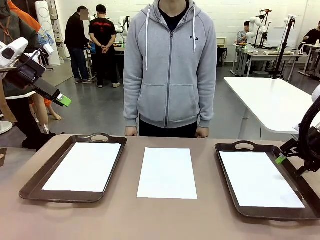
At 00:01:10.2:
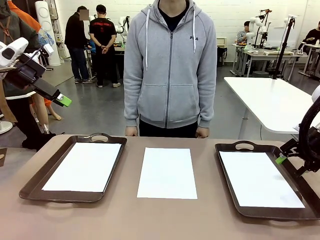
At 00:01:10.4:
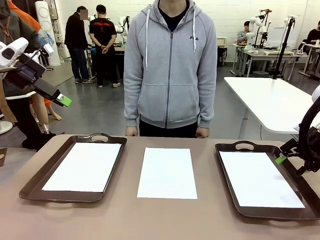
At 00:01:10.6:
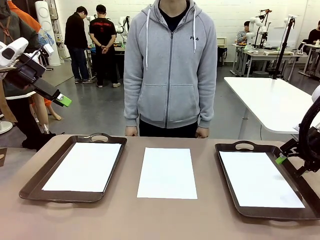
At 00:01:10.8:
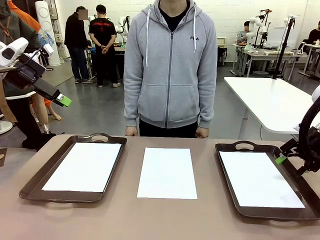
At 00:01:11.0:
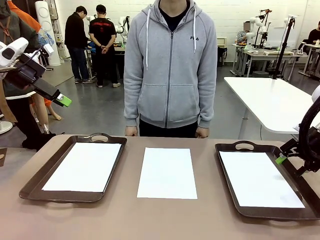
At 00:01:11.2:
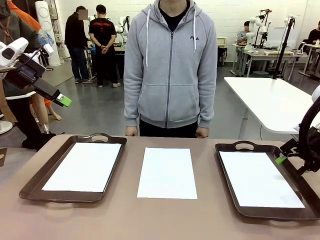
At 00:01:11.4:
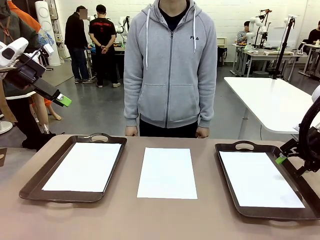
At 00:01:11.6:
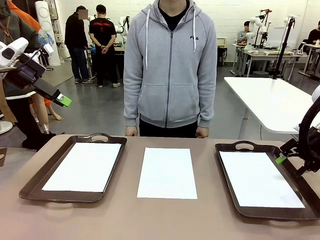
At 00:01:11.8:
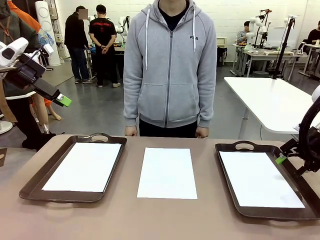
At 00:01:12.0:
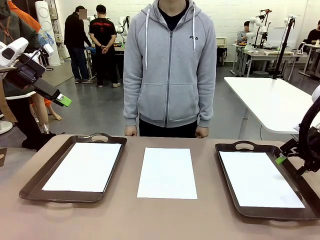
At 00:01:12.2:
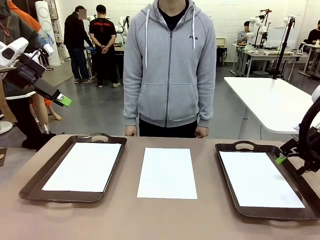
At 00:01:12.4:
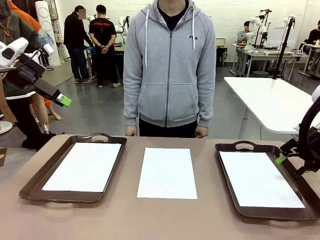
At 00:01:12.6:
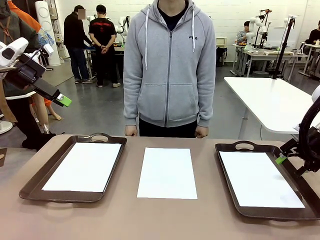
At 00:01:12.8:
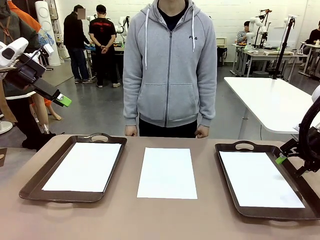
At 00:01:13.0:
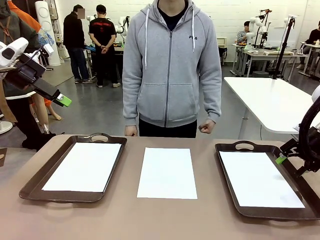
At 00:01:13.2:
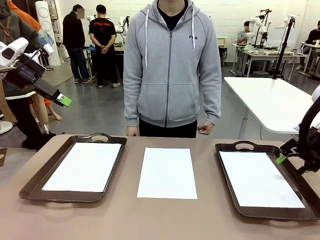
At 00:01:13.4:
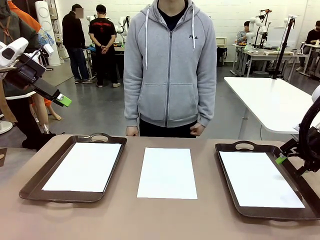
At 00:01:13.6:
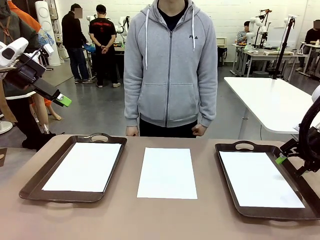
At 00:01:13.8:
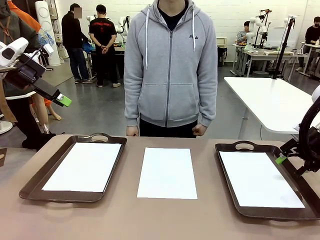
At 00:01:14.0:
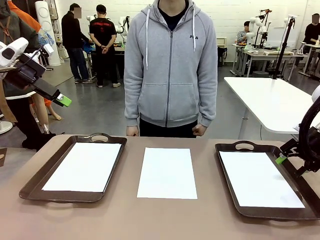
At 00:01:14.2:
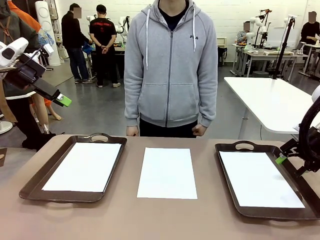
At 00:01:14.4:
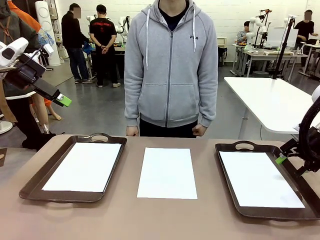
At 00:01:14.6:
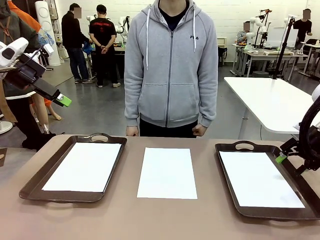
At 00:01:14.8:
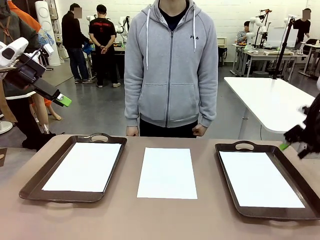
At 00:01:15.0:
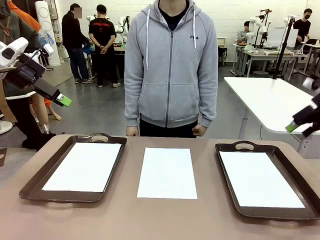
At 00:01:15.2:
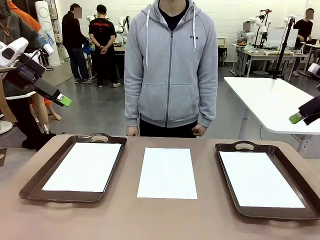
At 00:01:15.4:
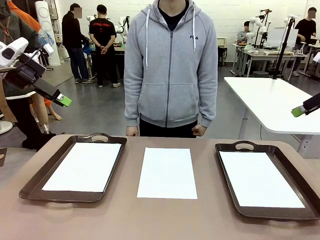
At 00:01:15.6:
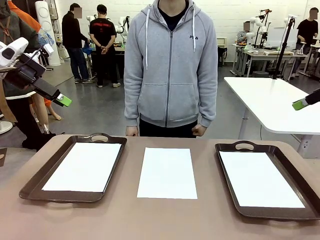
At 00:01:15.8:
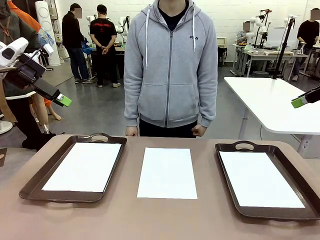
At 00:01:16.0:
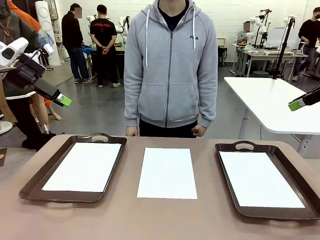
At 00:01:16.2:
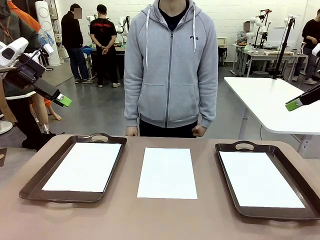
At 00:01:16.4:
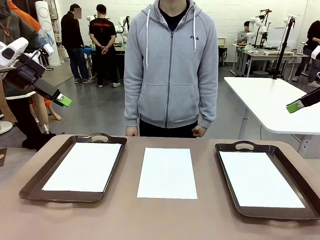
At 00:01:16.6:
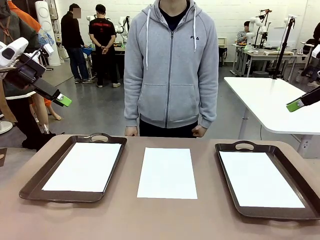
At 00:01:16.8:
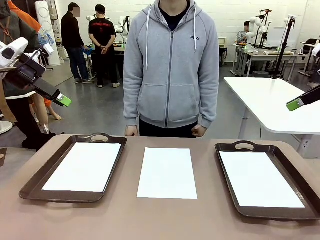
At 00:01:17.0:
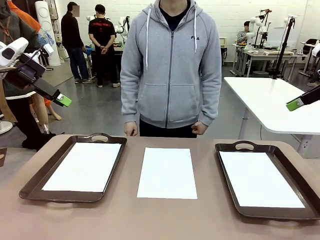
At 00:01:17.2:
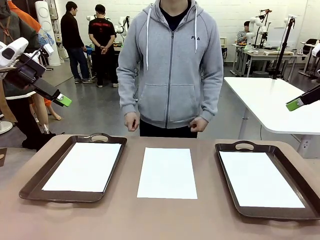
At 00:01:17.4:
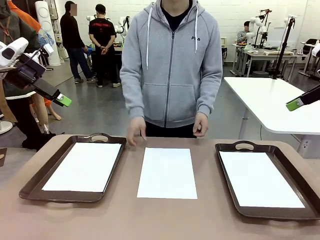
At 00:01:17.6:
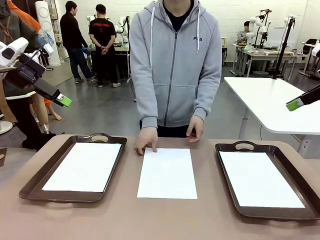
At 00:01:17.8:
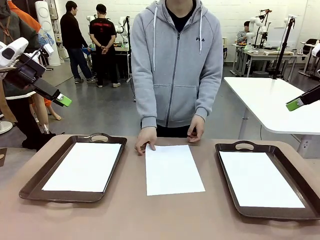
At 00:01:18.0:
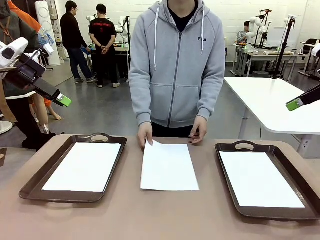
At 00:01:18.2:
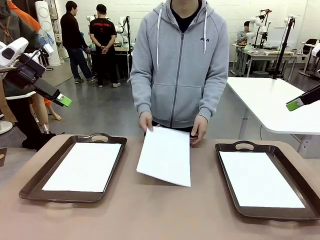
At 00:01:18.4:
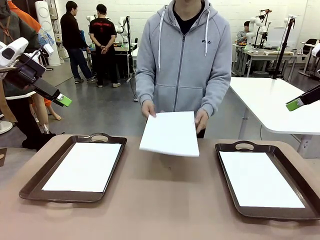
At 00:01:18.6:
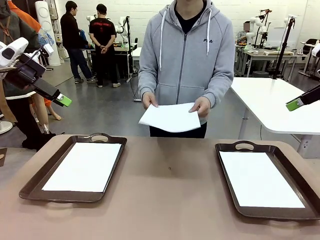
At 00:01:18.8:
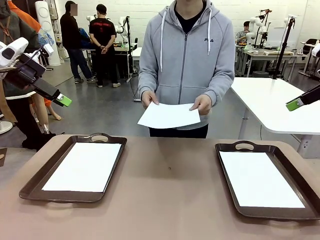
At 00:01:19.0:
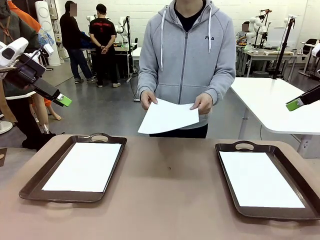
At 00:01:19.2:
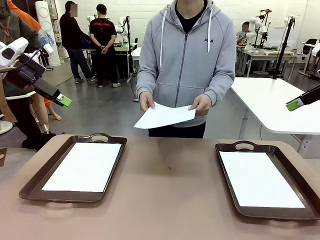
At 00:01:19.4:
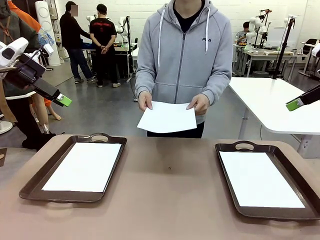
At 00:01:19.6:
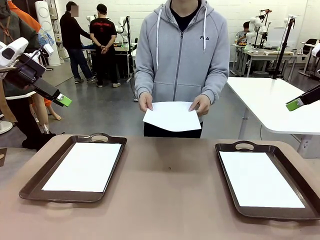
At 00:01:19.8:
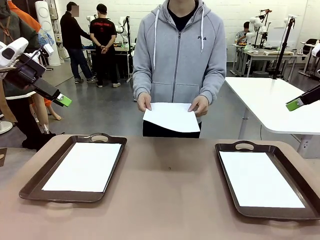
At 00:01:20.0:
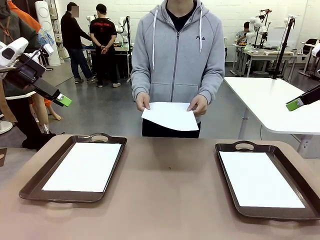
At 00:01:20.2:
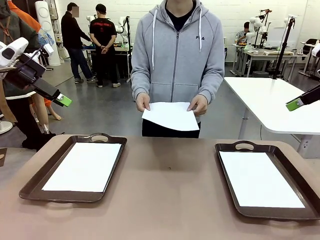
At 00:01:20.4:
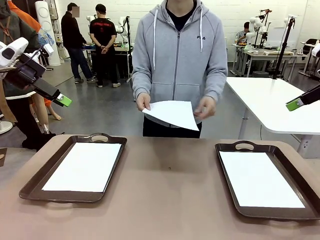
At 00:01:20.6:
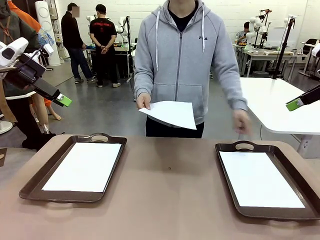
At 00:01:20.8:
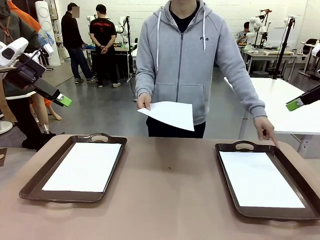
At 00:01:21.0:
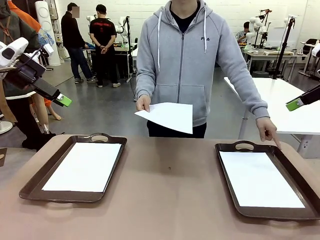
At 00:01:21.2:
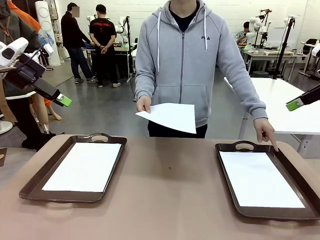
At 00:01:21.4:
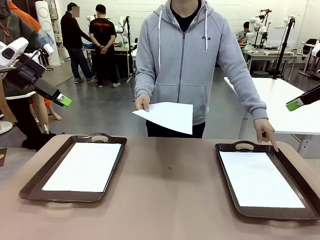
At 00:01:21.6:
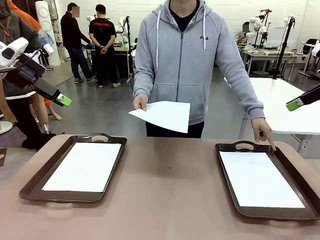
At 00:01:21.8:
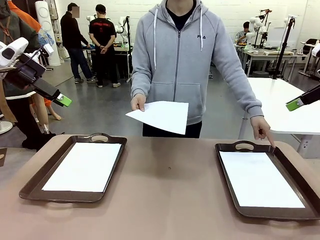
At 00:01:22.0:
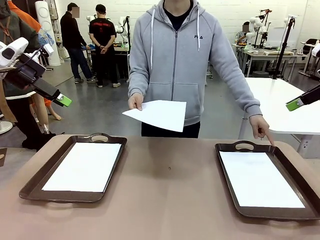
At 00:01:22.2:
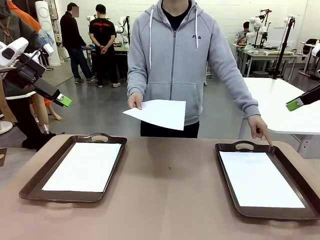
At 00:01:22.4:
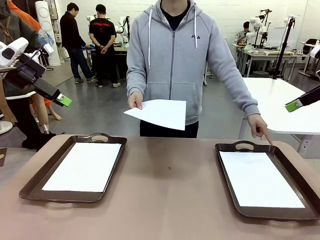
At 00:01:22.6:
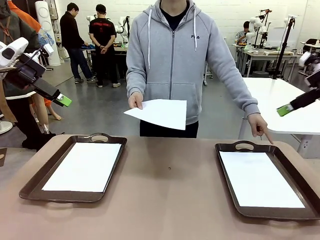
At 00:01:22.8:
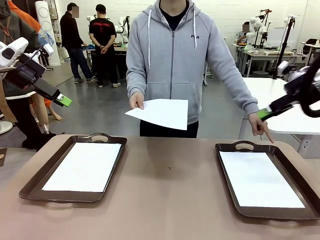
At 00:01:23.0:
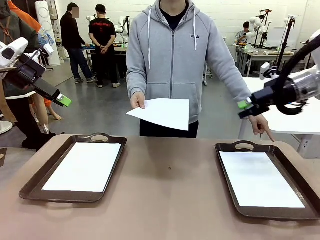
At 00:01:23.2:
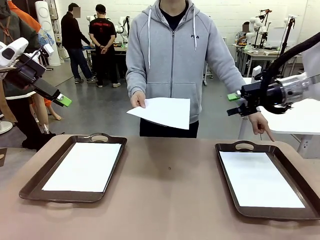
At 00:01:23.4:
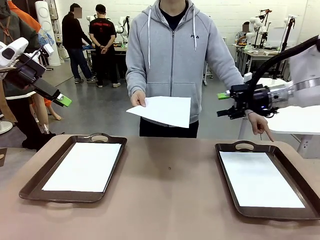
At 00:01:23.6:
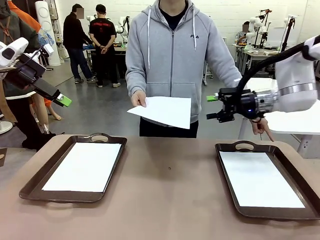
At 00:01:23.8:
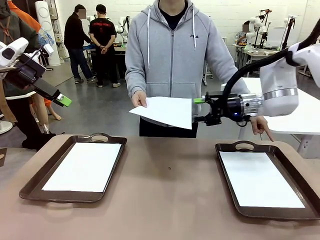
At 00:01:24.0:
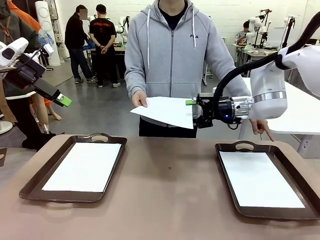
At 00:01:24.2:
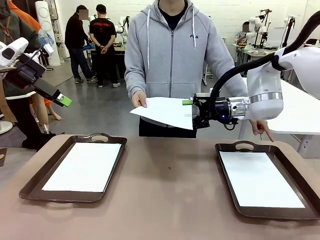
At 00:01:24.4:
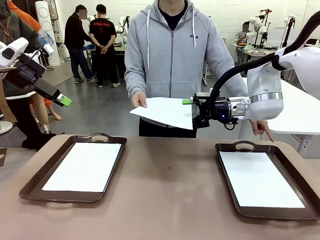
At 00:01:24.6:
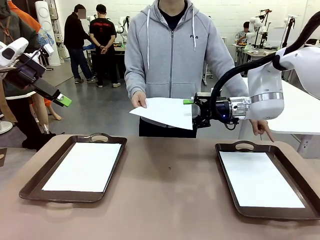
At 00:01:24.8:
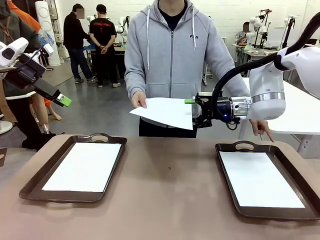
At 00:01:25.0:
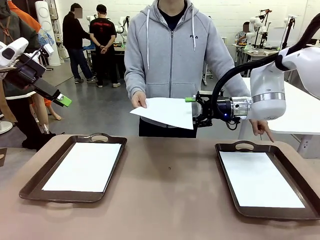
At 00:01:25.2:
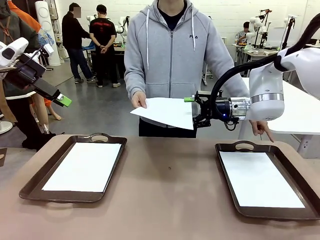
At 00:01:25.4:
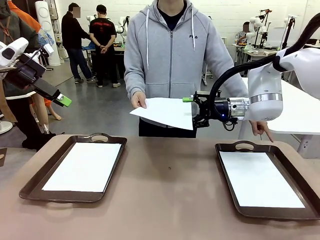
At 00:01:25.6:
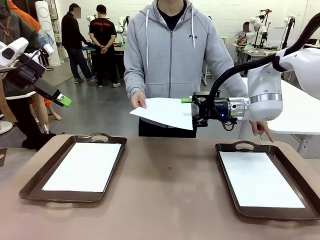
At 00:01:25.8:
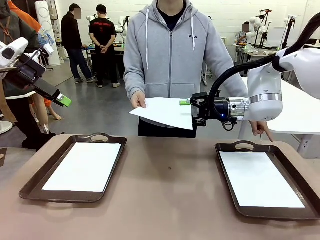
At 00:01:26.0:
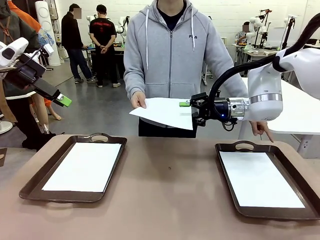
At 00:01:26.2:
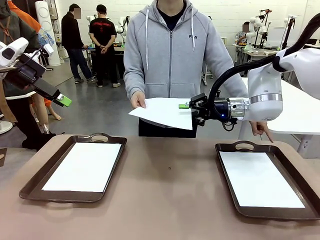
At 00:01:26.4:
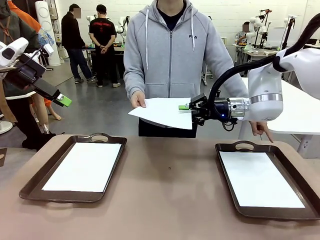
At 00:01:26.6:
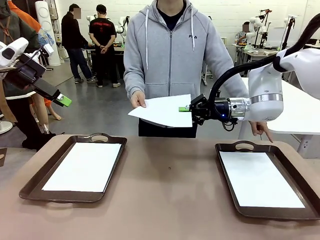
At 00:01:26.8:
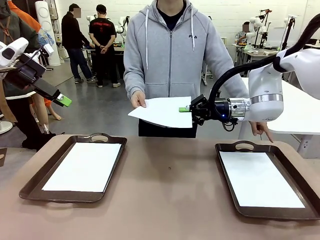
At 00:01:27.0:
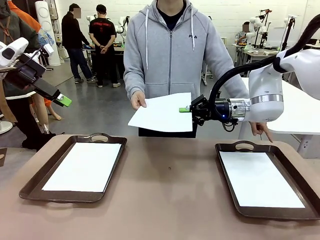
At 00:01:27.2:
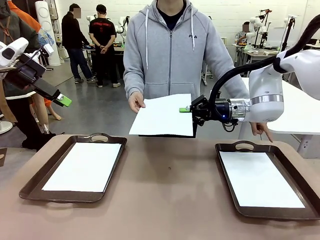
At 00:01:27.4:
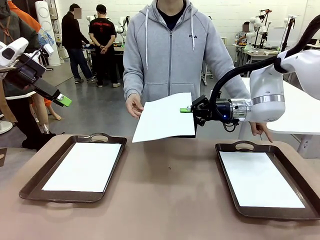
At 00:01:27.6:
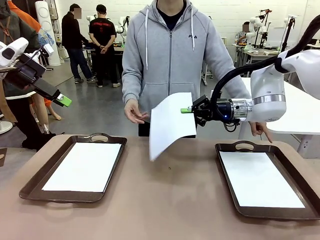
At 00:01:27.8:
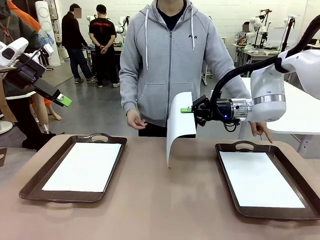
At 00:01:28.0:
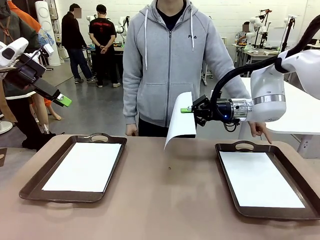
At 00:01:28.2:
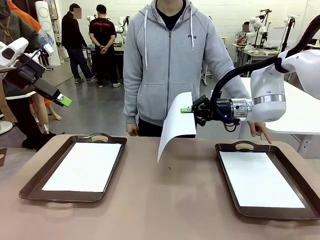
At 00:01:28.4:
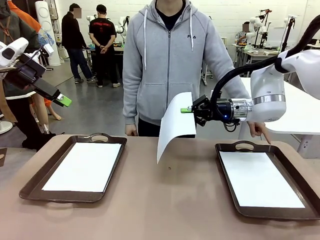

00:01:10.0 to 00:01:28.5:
Task: Sort the A4 documents.
Robot: Receive the A4 Paper.
Person: Point the randomly selected tray with the other hand.
